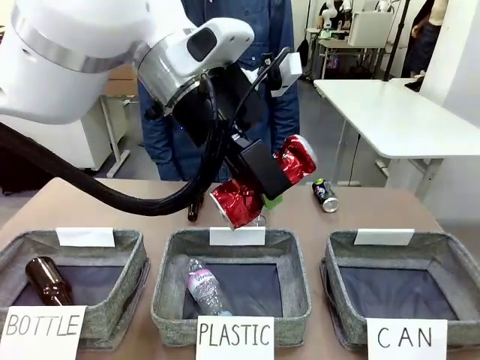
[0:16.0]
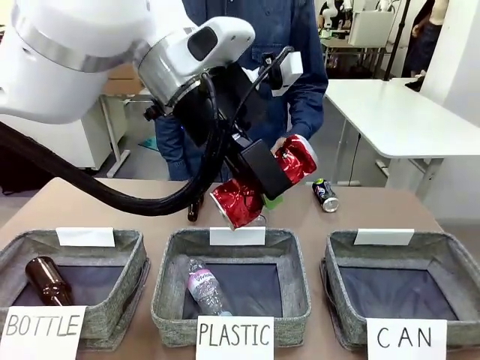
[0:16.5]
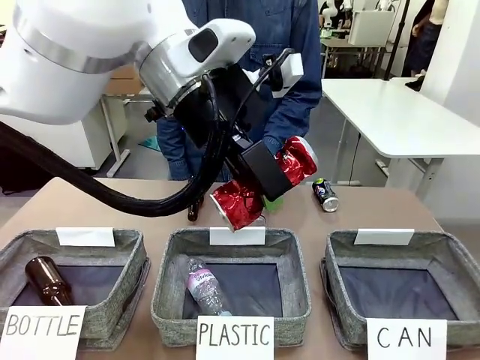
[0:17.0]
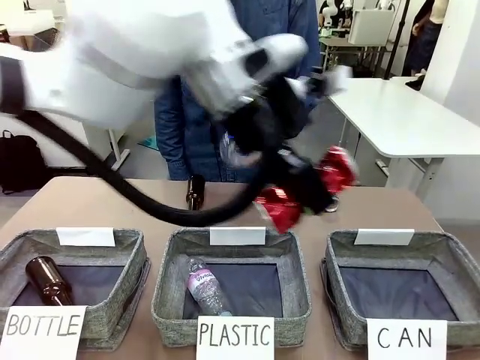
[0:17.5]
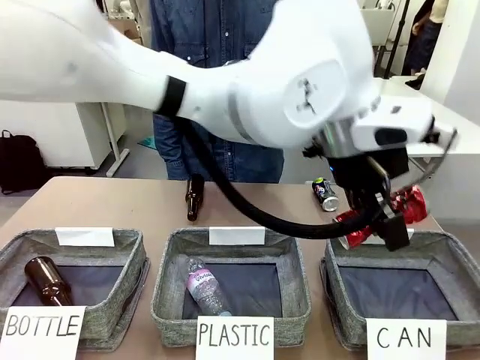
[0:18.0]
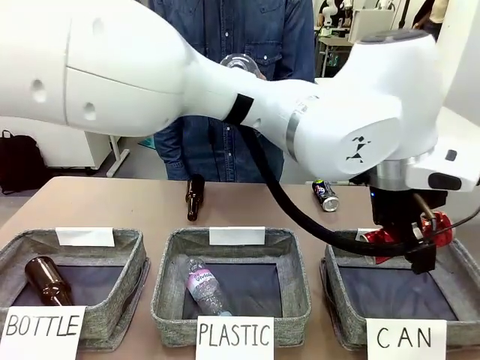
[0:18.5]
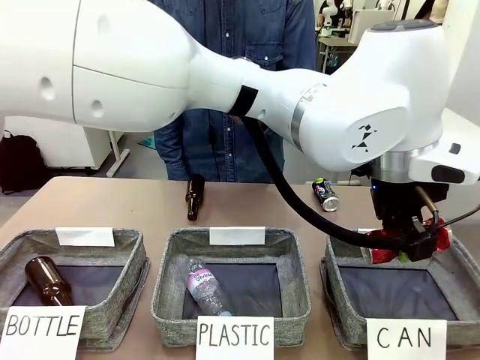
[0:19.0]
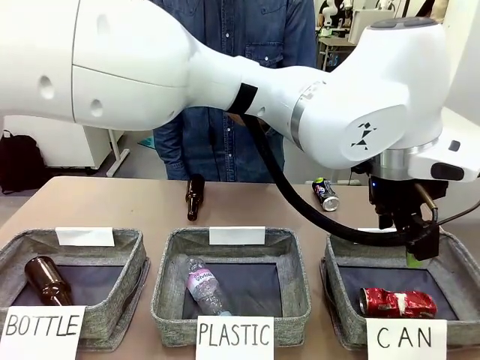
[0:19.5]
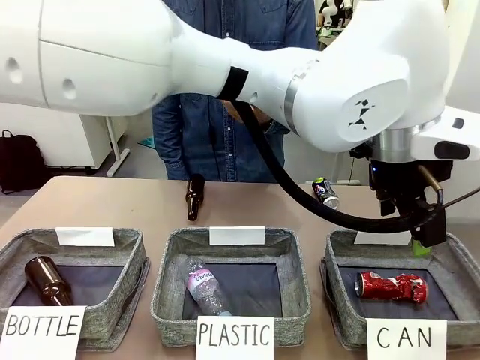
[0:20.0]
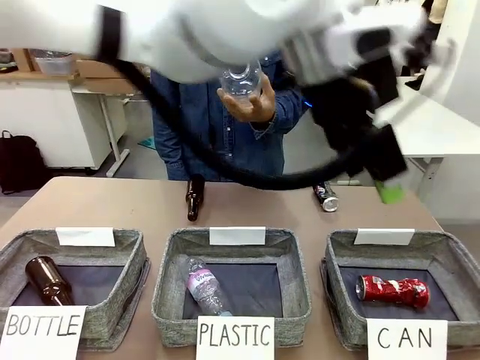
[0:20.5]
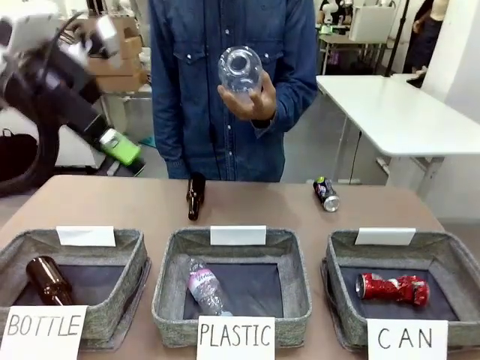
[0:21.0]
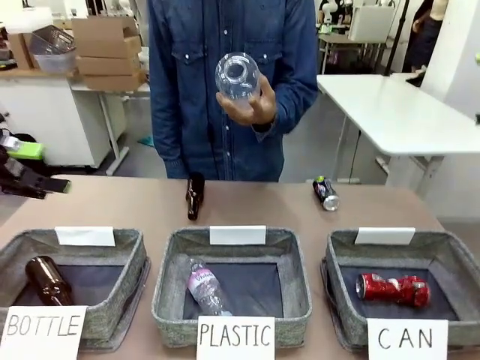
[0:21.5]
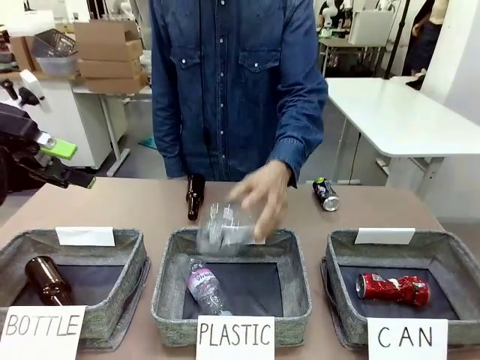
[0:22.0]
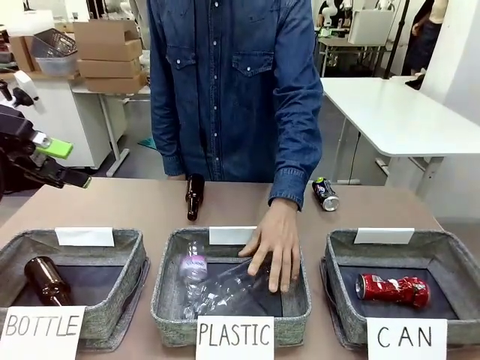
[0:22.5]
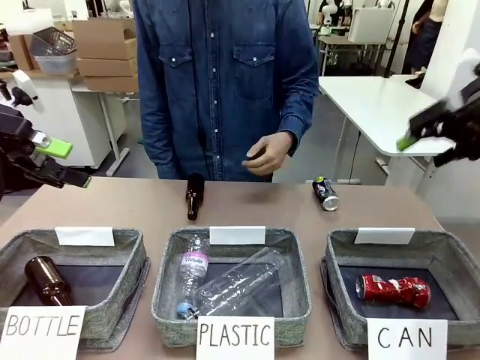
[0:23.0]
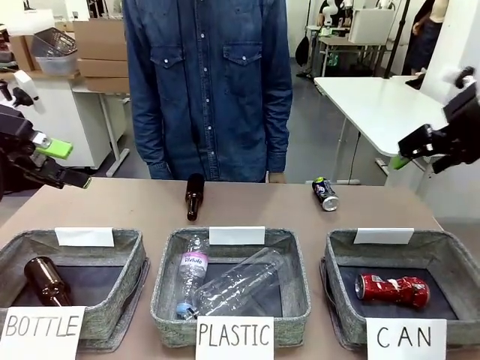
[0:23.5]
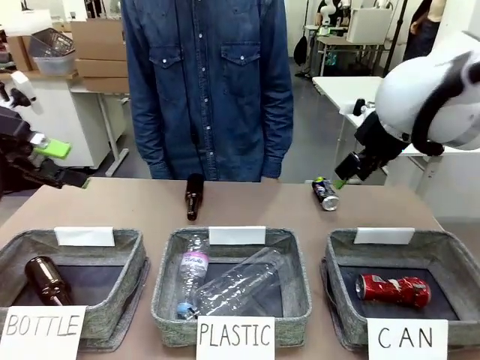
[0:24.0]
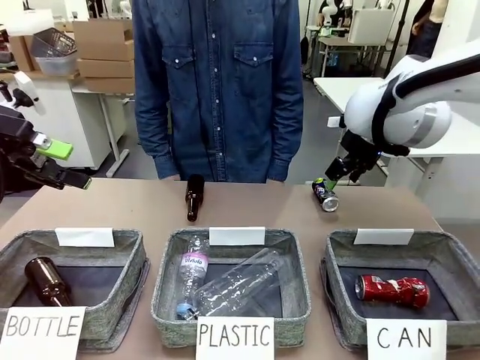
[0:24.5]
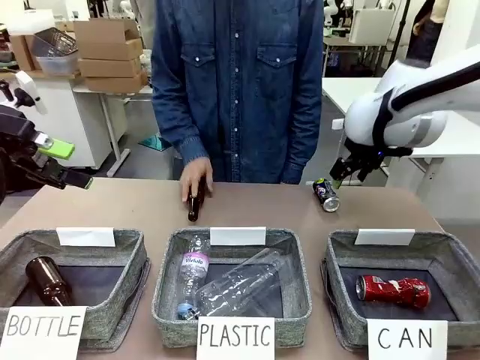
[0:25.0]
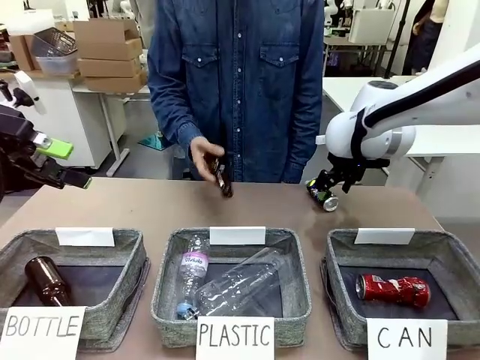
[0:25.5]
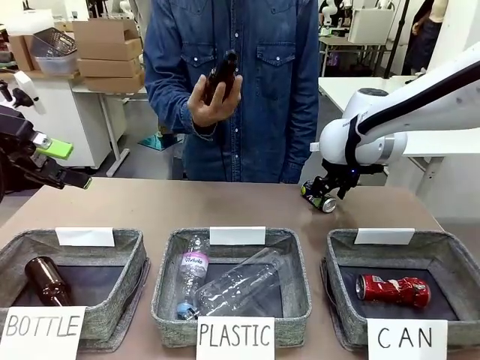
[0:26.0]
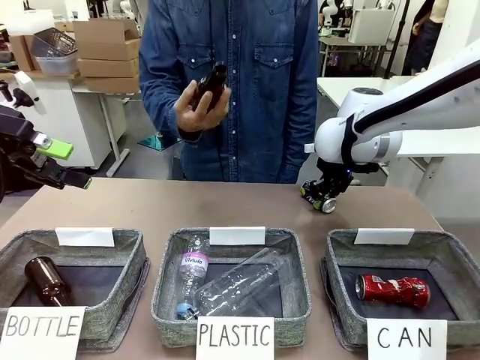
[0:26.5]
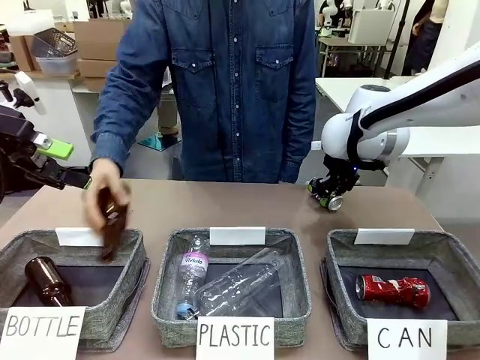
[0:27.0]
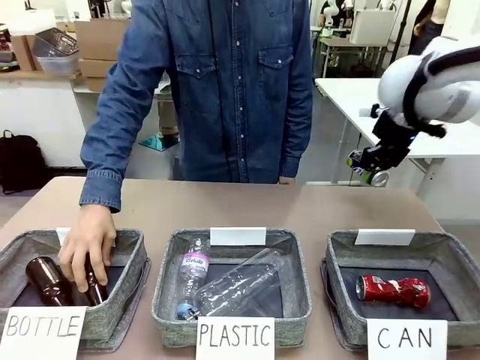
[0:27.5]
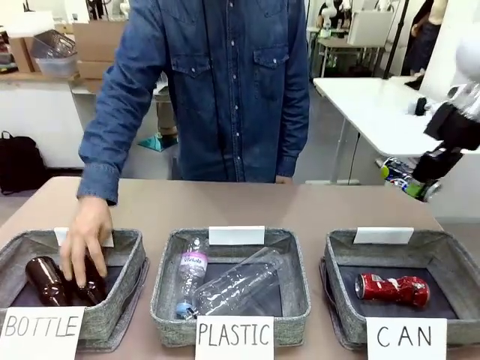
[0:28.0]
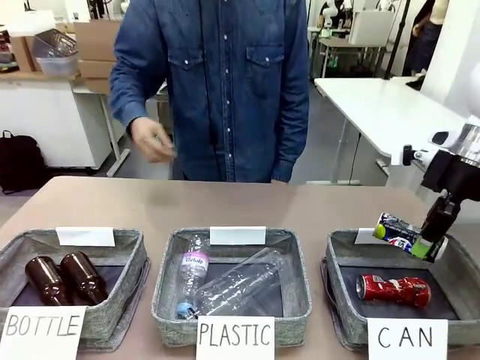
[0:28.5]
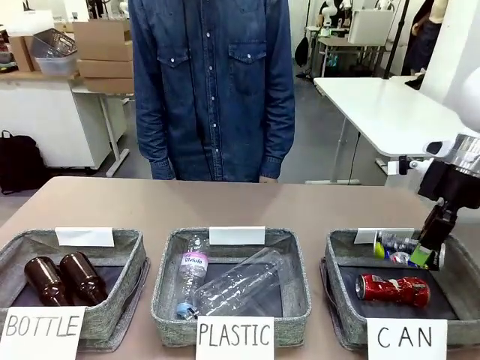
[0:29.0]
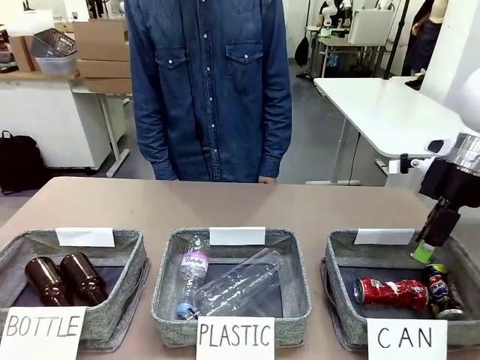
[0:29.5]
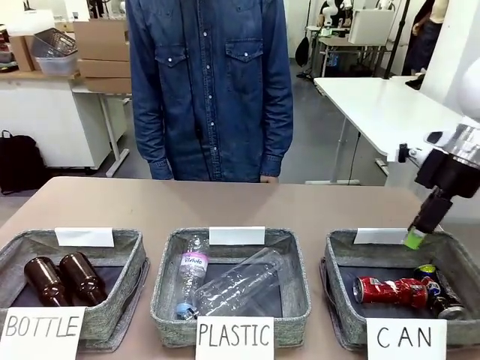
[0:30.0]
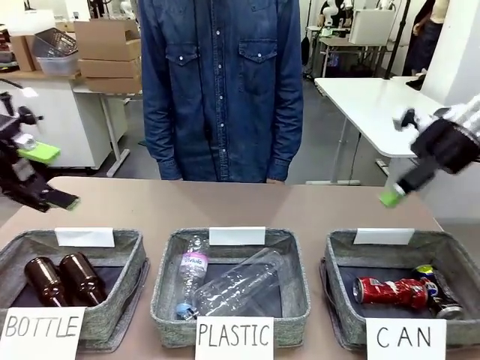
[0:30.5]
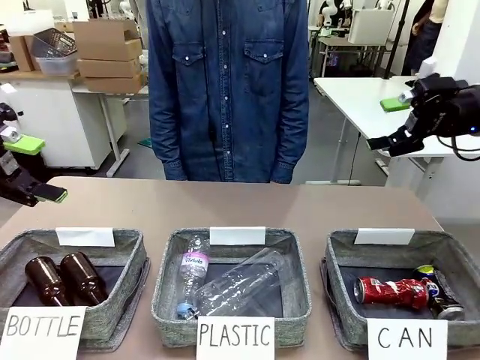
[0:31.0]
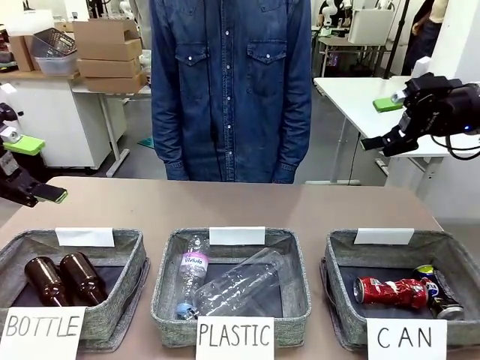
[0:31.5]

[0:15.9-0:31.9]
Task: Sort the can waste into the basket.
Robot: Pick up the can waste from the table and place it in the right Fabric basket.
Person: The human picks up one piece of trash that is not a can and places the trash into the appropriate organizing basket.

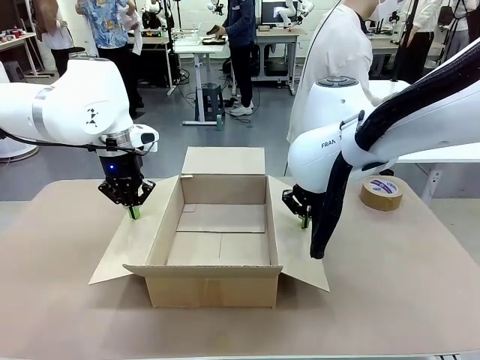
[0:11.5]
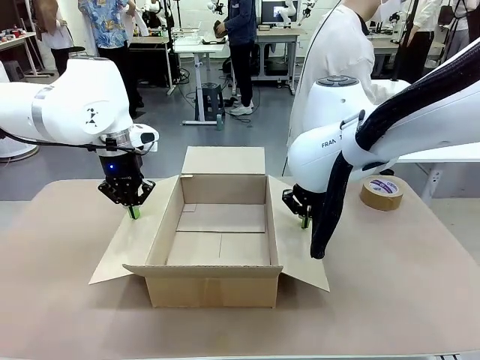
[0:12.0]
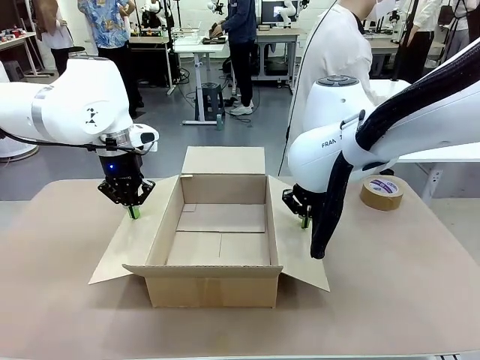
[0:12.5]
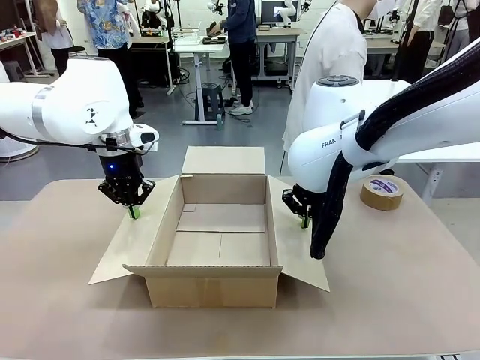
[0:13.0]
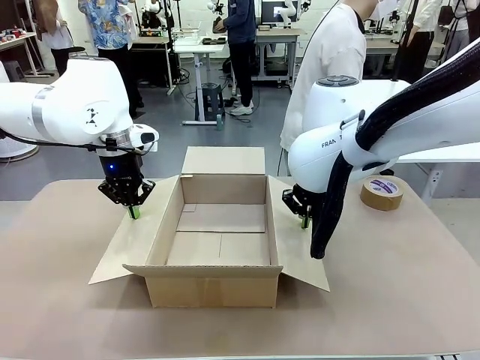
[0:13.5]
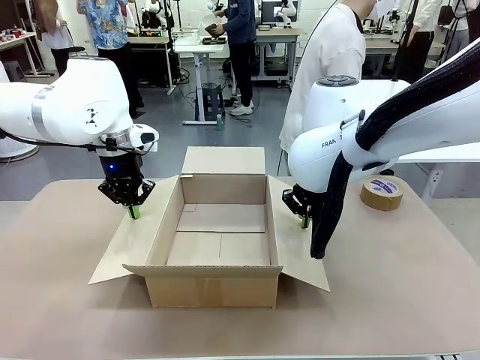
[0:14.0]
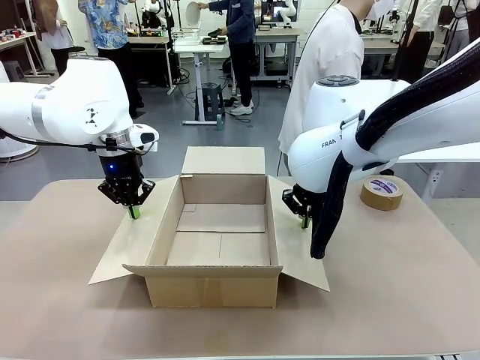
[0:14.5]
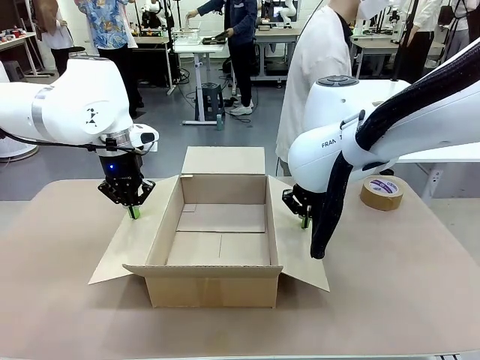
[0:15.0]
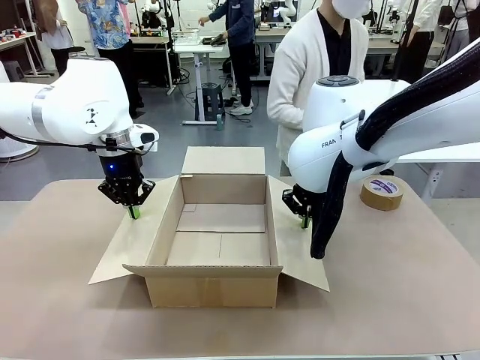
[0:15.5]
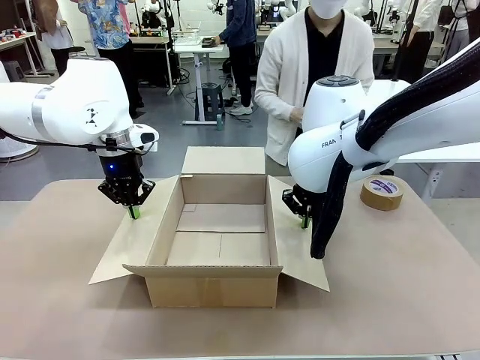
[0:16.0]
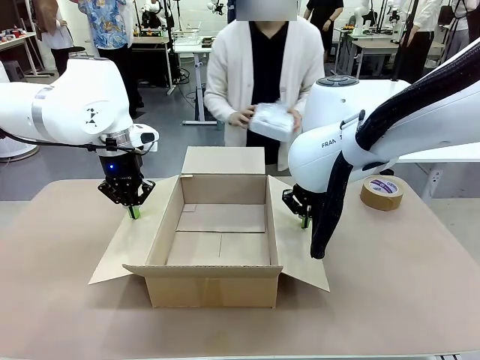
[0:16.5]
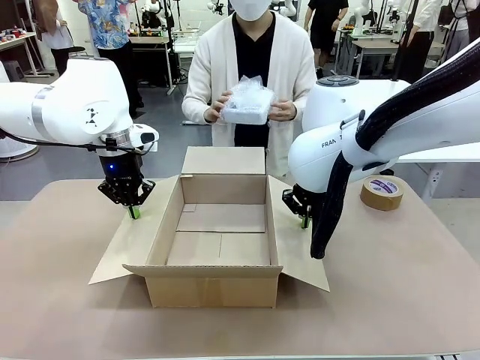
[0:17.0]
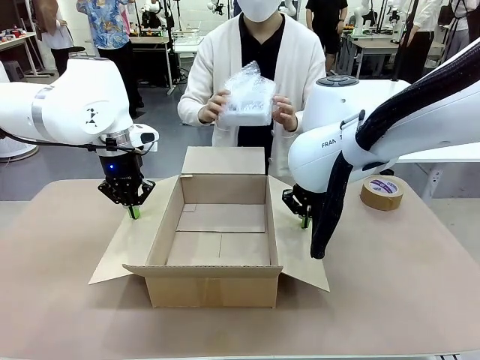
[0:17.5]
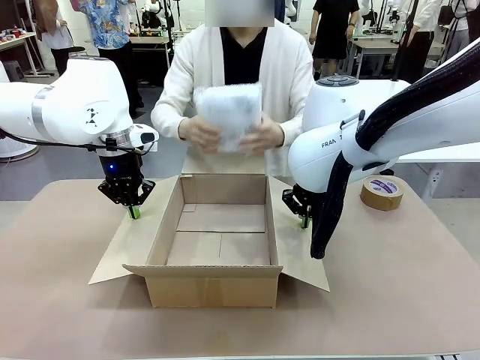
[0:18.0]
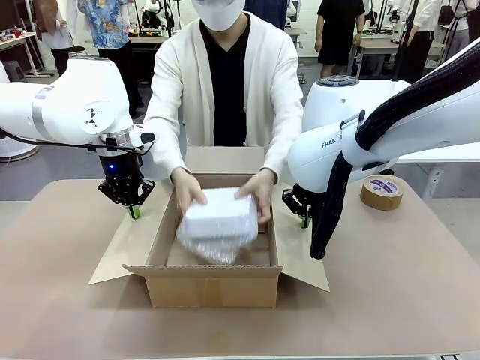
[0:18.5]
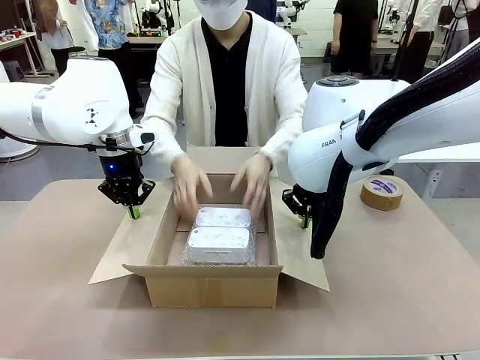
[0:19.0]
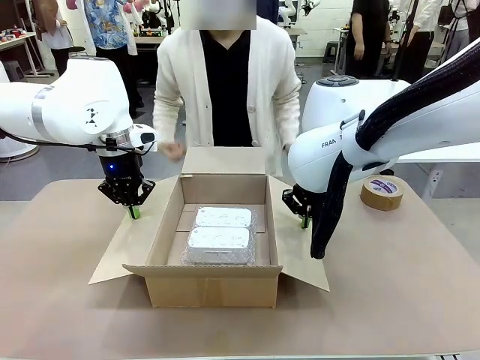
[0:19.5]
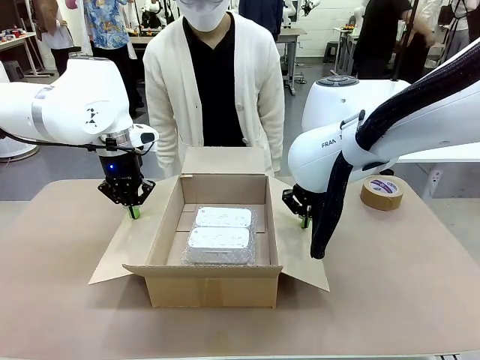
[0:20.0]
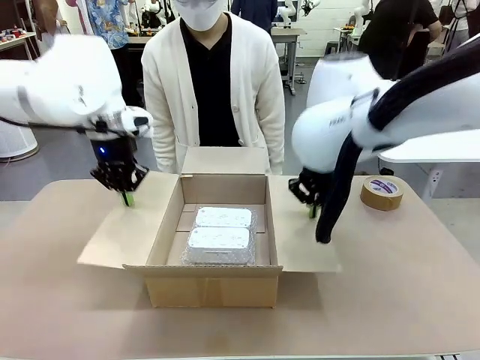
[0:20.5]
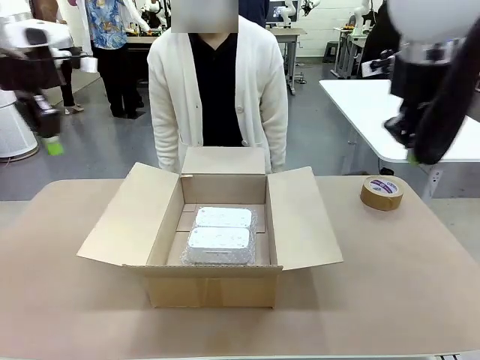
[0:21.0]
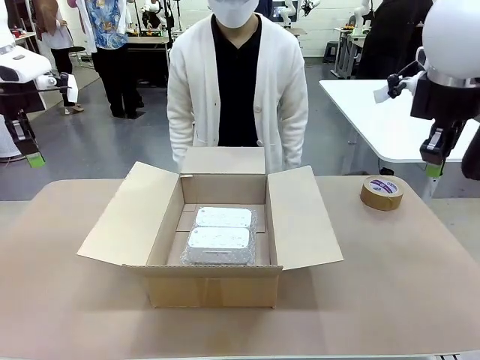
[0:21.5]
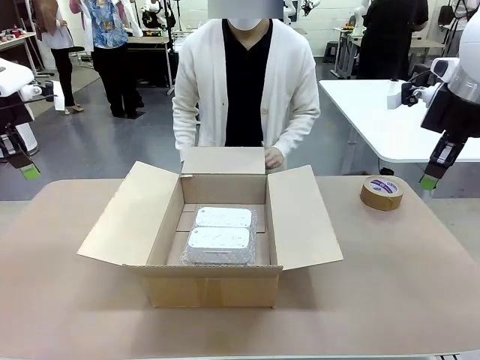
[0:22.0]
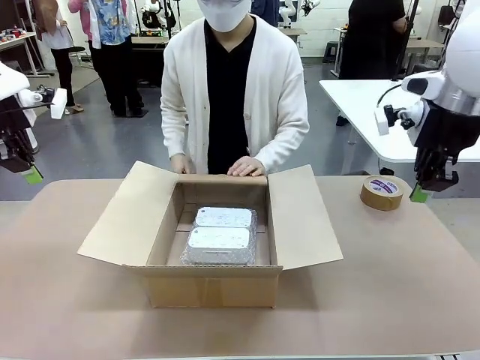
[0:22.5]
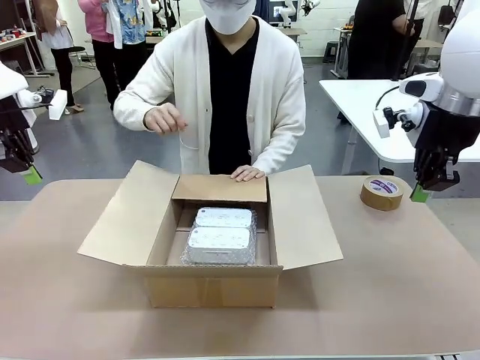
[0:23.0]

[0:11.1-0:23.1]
Task: Wrap the clocks to prevent damage.
Robot: Once the human has placed the objects inside and stepped back, release both hands from the side flaps of the Package Box.
Person: Place the wrapped Digital clocks inside the Package Box. Hold the top and bottom flaps of the Package Box closed with your left (or right) hand.
